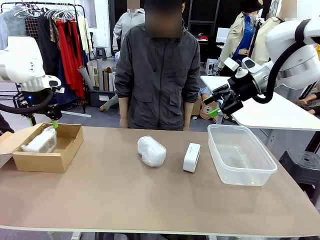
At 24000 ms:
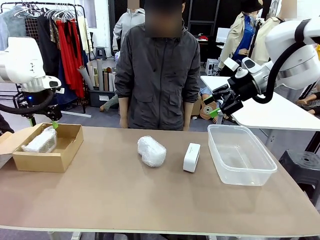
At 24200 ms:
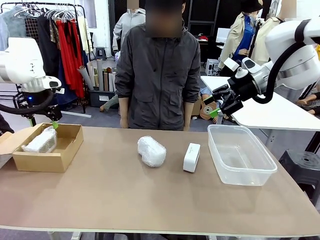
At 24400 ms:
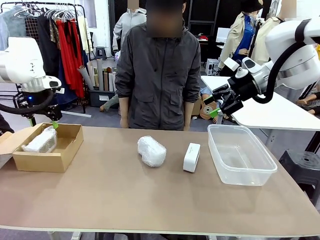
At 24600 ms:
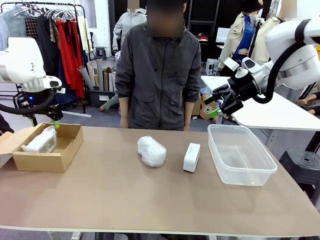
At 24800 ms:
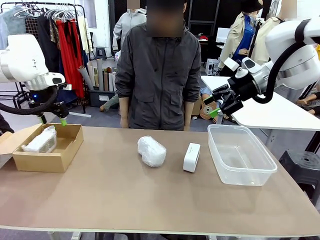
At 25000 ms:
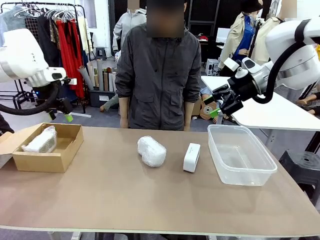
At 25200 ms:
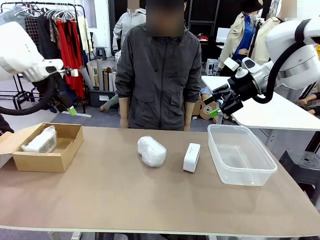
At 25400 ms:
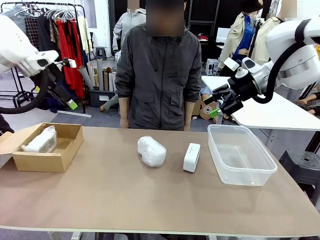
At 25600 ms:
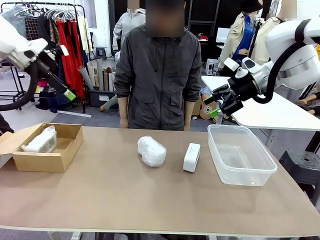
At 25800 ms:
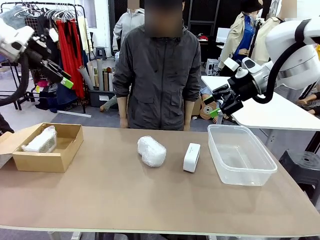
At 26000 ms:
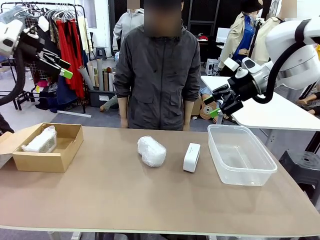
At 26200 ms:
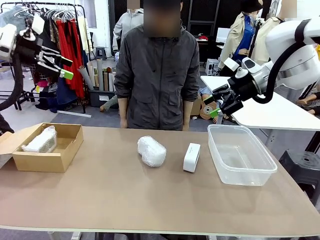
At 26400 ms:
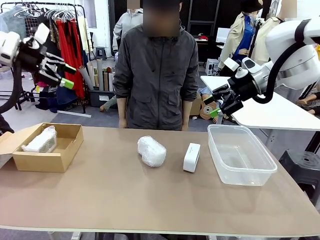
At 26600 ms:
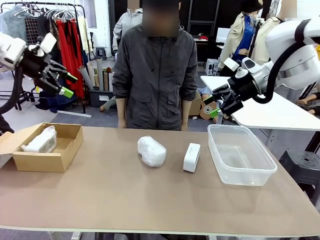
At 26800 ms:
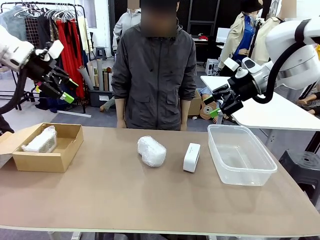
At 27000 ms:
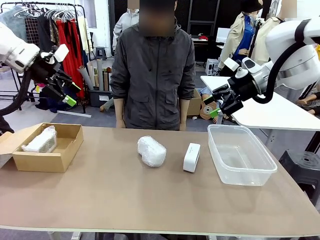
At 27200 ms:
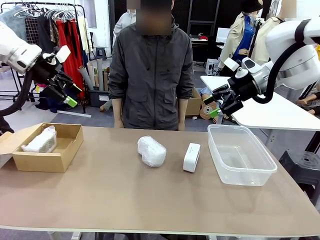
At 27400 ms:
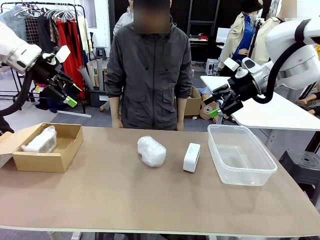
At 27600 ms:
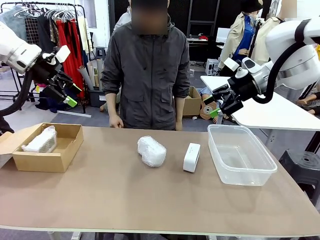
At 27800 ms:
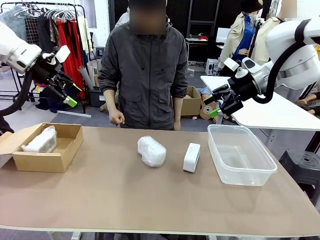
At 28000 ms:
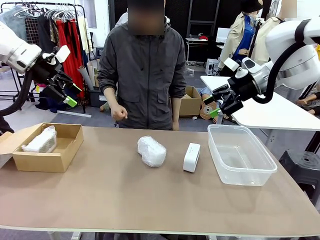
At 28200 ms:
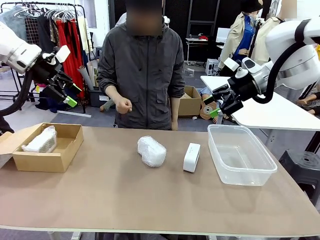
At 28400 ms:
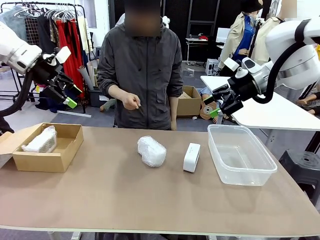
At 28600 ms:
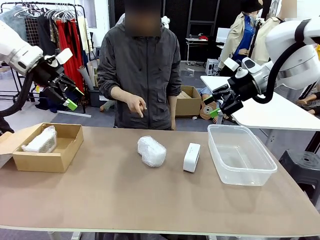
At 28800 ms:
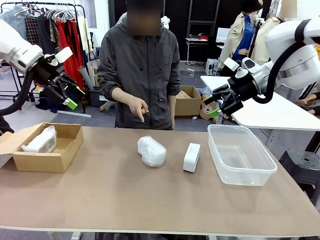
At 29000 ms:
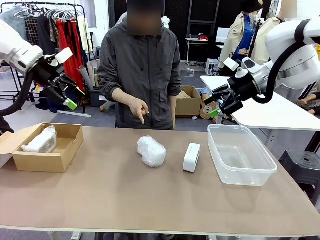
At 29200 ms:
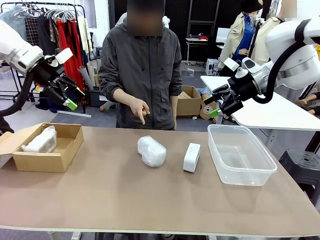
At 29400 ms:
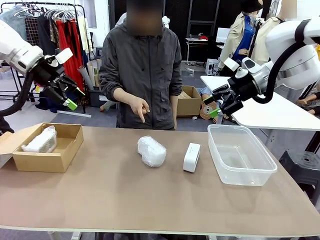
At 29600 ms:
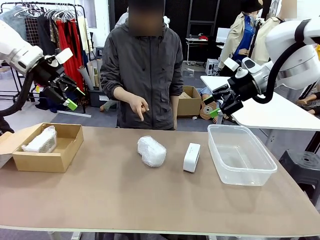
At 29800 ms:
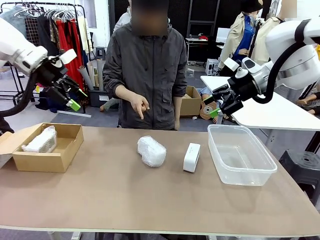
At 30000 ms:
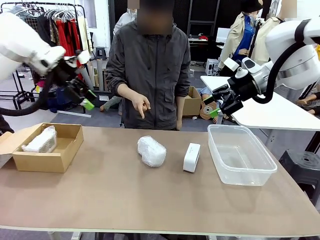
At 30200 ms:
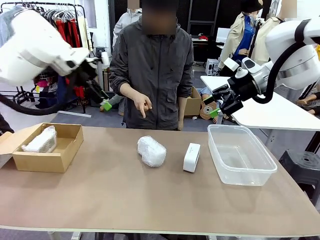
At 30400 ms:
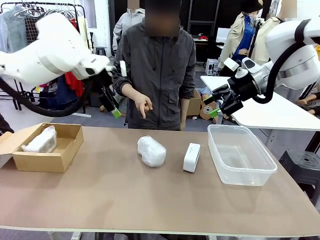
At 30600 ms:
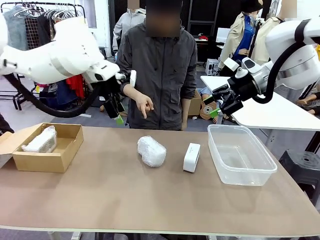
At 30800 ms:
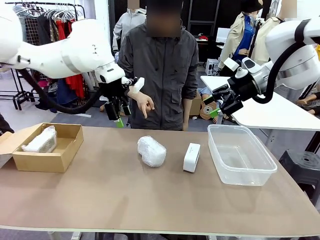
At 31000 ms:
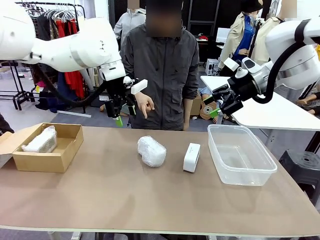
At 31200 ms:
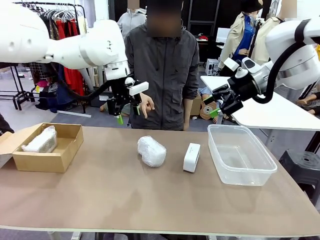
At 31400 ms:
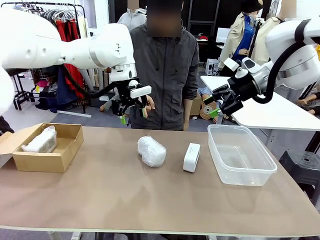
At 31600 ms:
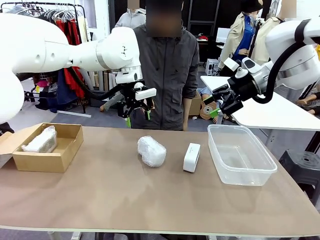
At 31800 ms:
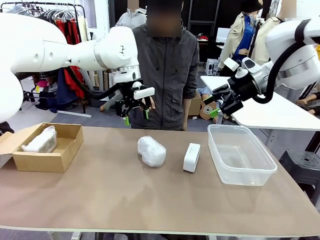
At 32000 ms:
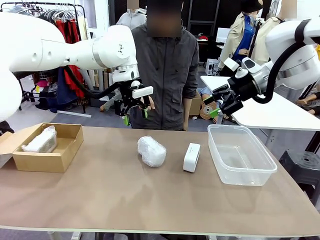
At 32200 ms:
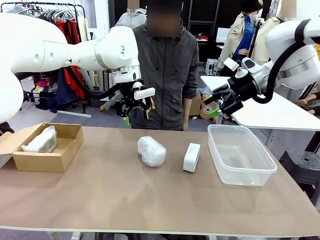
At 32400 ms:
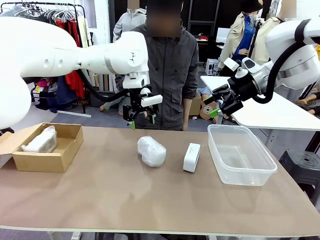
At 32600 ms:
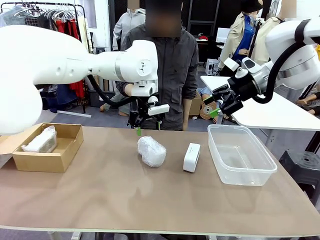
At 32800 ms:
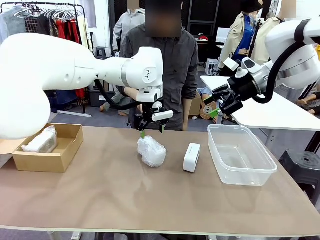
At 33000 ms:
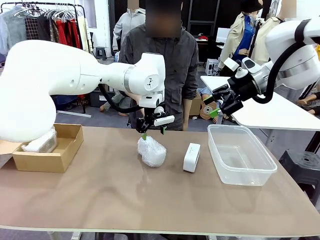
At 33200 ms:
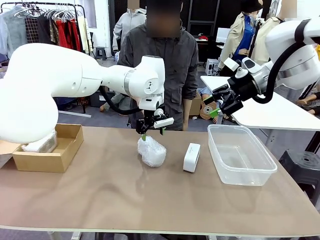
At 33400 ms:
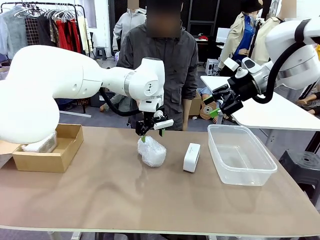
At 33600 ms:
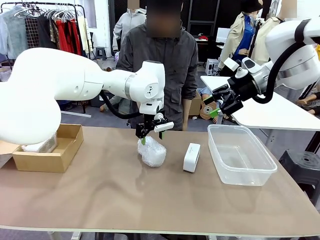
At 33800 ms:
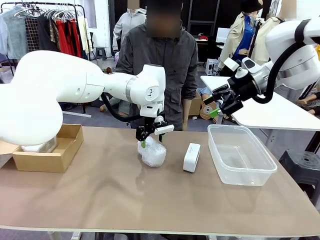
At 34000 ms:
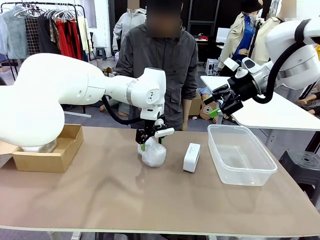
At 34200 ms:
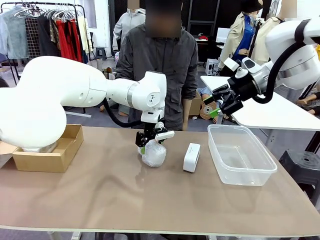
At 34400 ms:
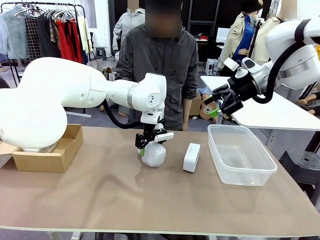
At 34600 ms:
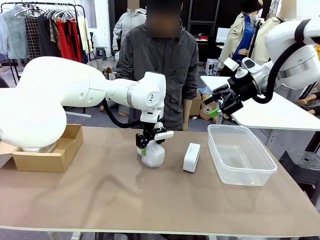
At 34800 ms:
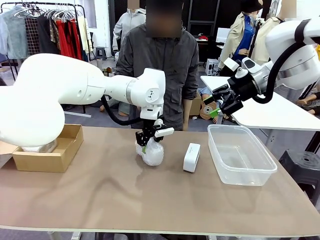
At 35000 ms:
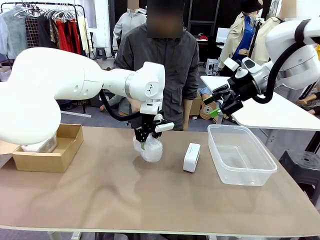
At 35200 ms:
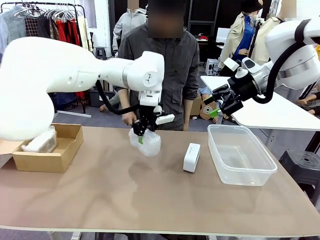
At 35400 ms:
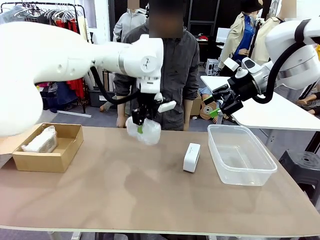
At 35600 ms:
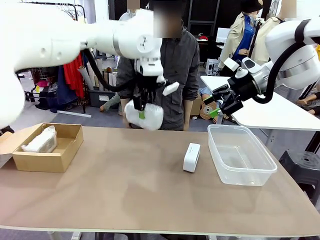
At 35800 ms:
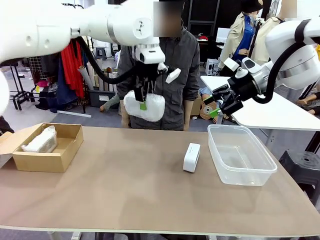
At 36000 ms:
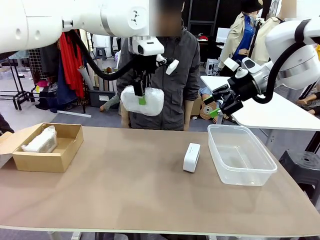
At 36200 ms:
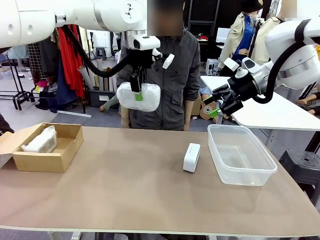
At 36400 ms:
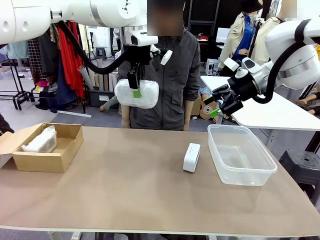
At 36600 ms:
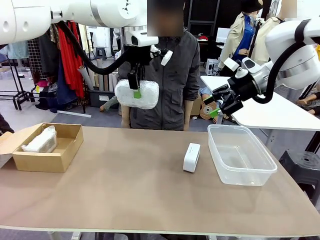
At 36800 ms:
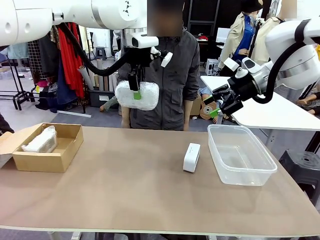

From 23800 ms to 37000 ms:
Task: Separate and place wrapped and unwrapped clocks.
Robot: Pick up the Digital clock indicated by the person.

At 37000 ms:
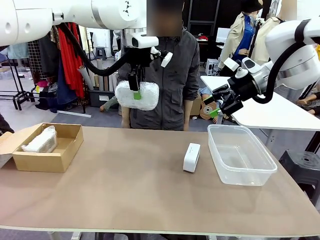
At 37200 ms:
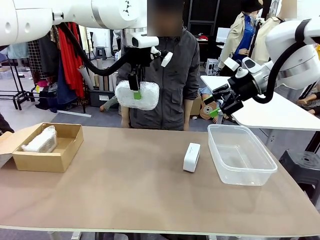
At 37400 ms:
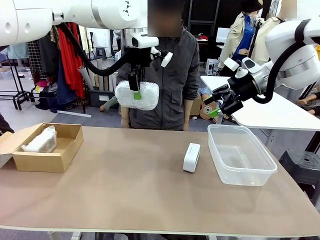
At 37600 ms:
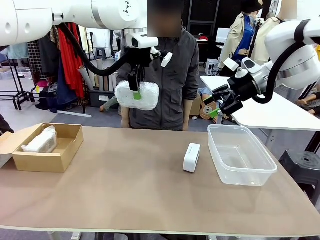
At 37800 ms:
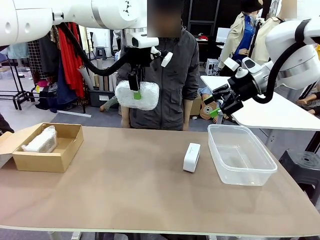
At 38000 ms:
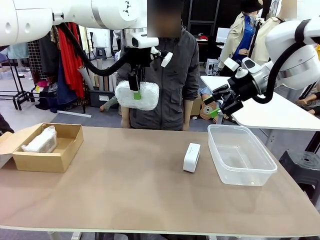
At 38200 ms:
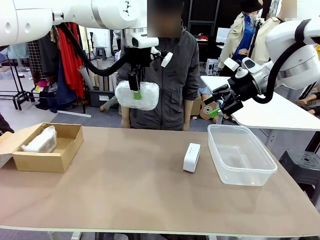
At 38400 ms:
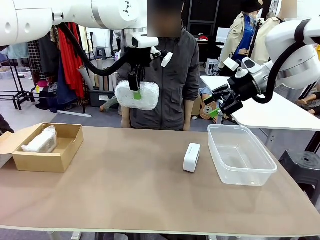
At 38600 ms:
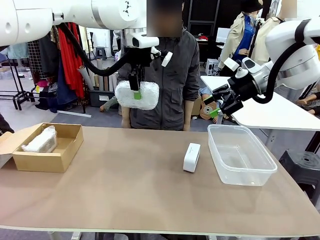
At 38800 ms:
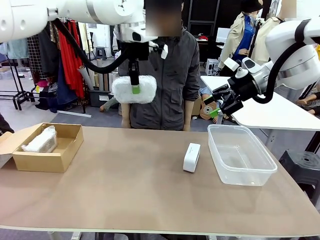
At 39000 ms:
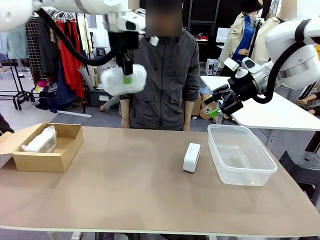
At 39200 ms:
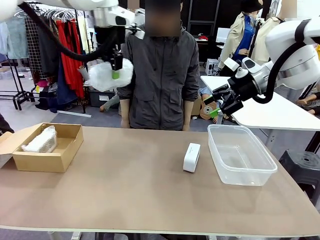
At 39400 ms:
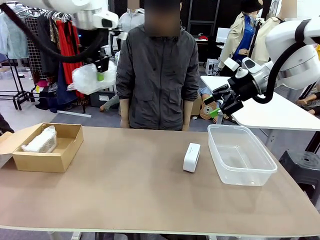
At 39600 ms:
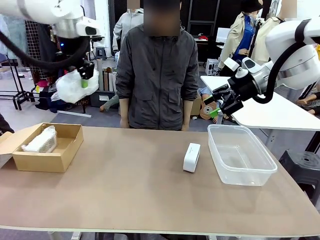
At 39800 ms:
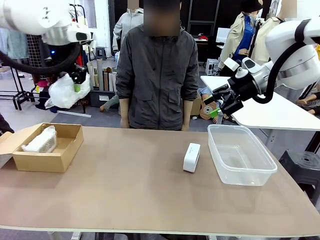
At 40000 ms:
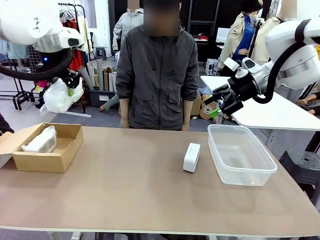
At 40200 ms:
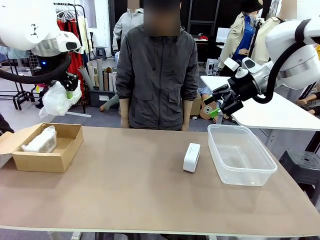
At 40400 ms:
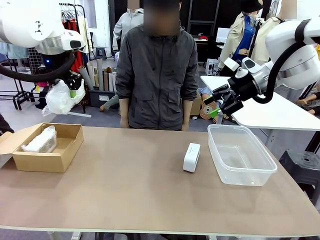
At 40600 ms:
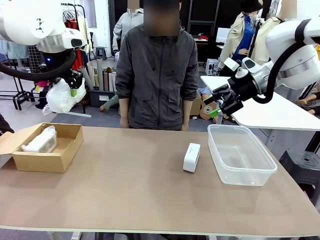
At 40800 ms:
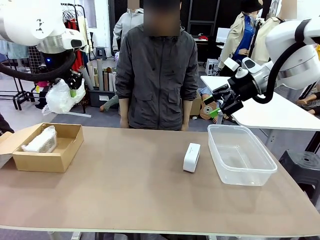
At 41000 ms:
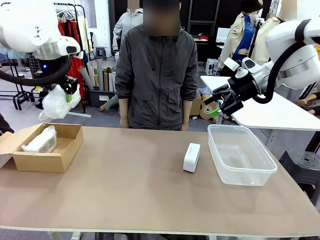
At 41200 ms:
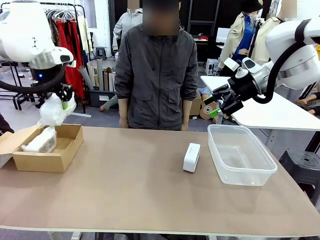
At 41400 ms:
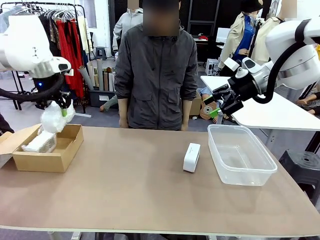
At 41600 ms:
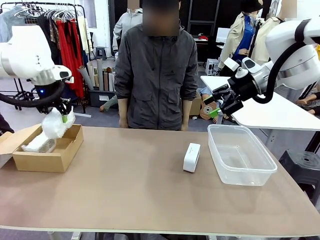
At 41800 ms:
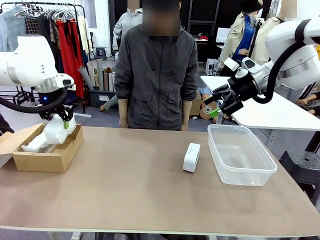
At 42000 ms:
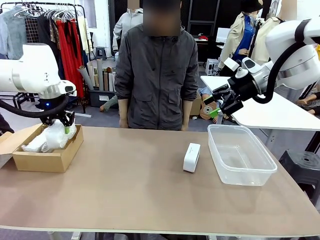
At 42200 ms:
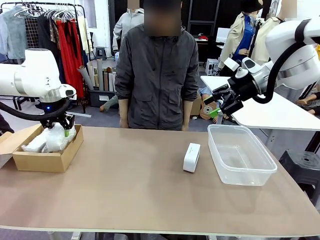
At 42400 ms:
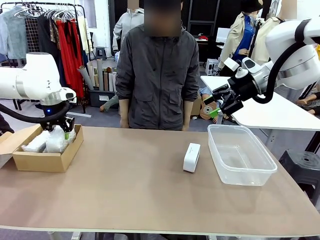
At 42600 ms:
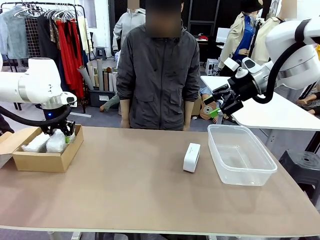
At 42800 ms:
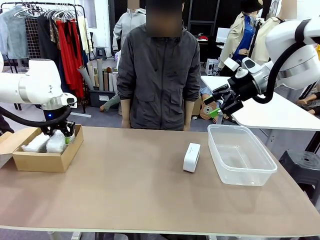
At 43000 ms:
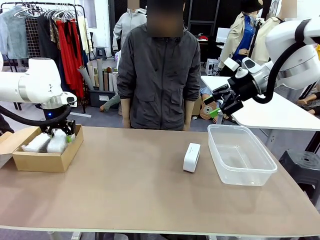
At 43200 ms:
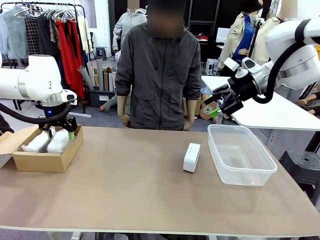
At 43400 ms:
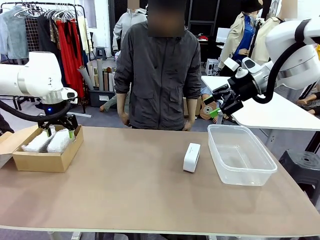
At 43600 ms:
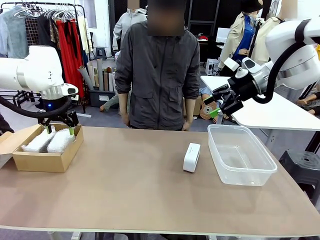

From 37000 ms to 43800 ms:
Robot: If the picked Digital clock is wrapped, place it in the Package Box ; if not, place it in the Organizing box.
